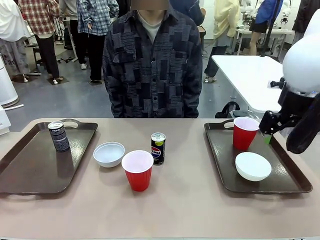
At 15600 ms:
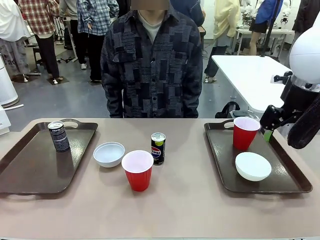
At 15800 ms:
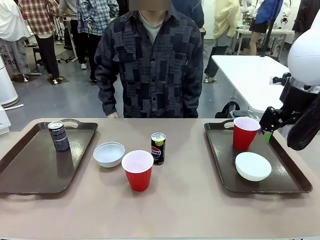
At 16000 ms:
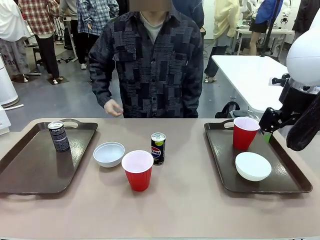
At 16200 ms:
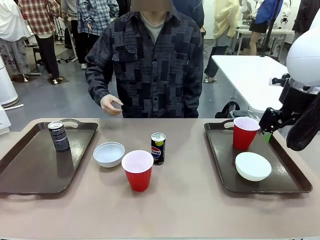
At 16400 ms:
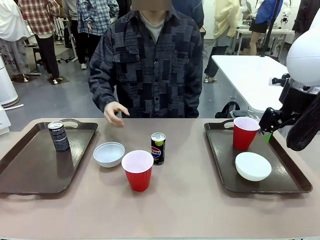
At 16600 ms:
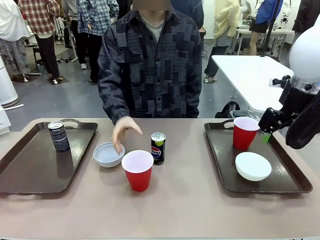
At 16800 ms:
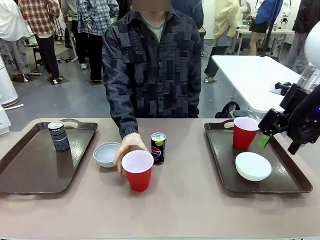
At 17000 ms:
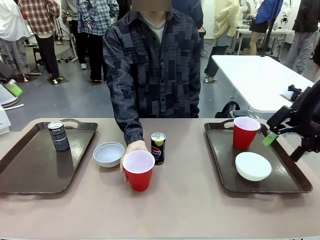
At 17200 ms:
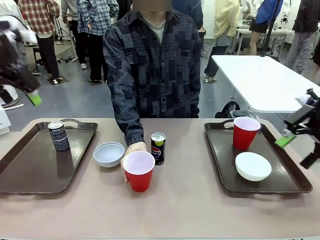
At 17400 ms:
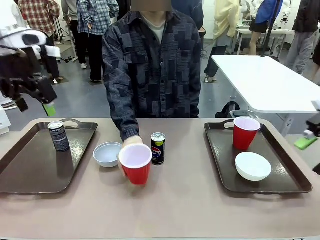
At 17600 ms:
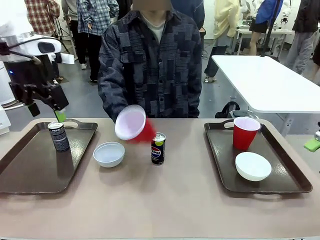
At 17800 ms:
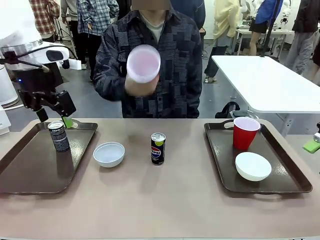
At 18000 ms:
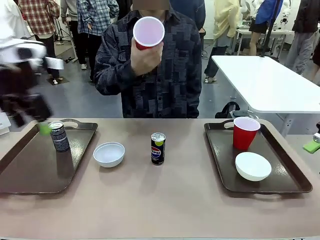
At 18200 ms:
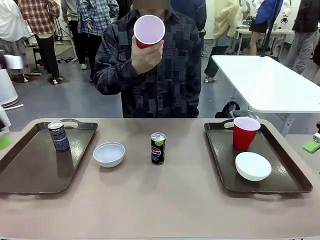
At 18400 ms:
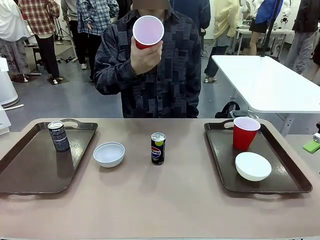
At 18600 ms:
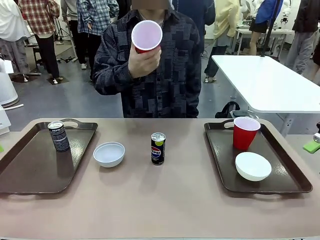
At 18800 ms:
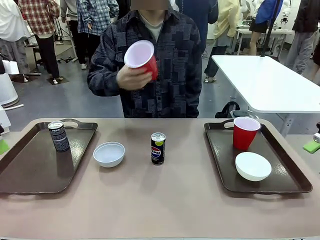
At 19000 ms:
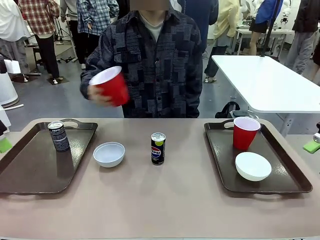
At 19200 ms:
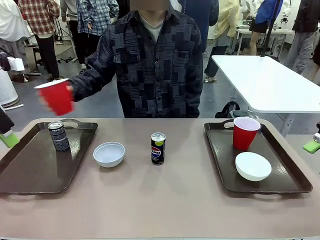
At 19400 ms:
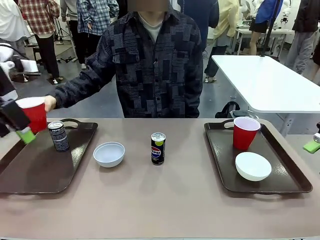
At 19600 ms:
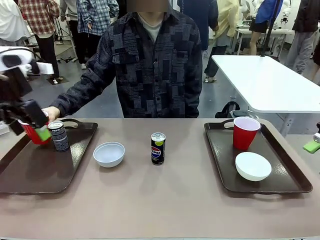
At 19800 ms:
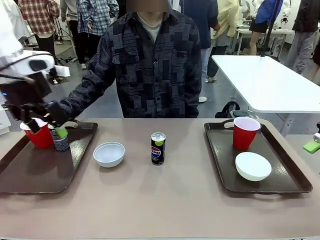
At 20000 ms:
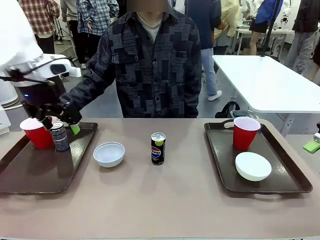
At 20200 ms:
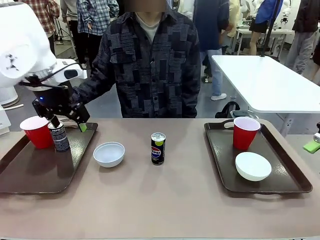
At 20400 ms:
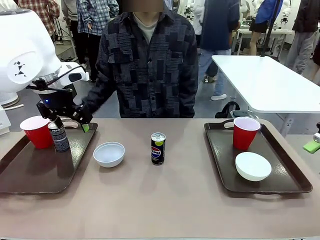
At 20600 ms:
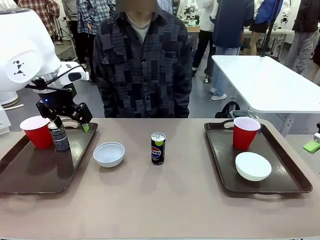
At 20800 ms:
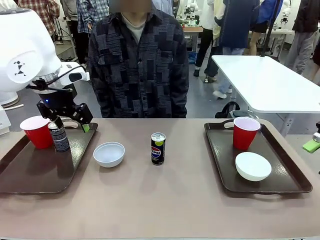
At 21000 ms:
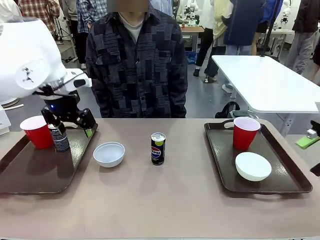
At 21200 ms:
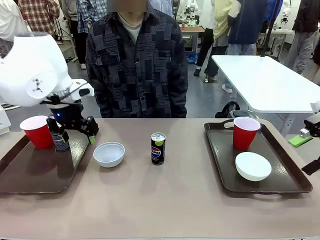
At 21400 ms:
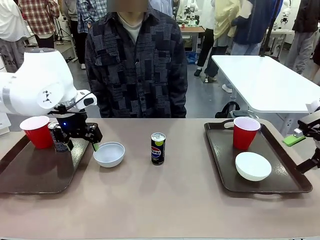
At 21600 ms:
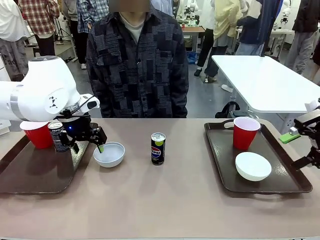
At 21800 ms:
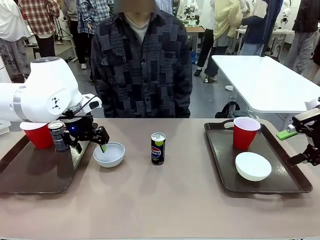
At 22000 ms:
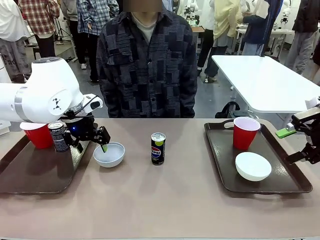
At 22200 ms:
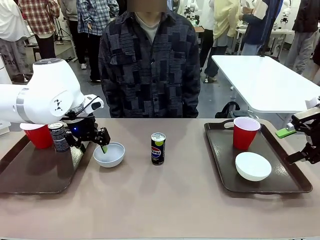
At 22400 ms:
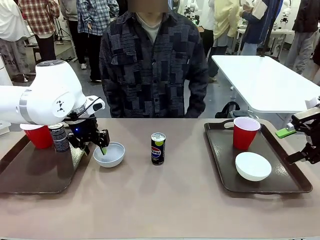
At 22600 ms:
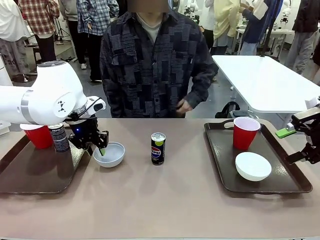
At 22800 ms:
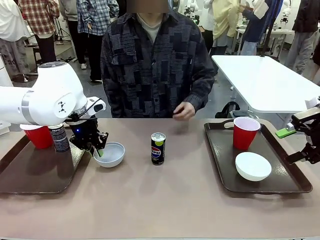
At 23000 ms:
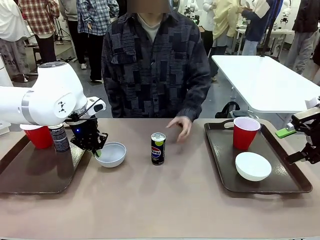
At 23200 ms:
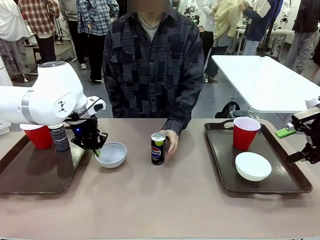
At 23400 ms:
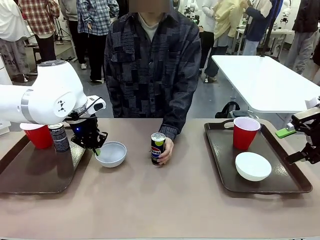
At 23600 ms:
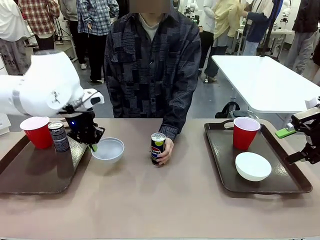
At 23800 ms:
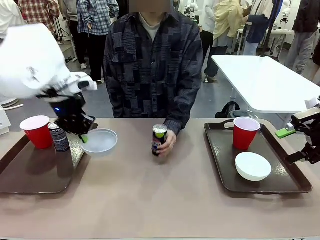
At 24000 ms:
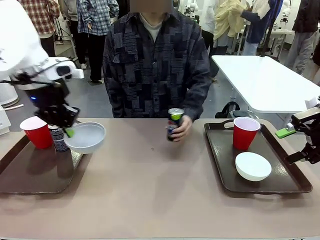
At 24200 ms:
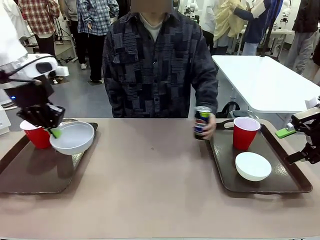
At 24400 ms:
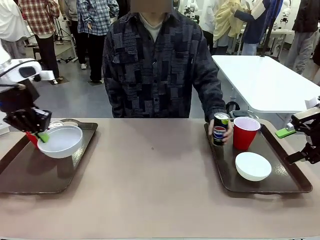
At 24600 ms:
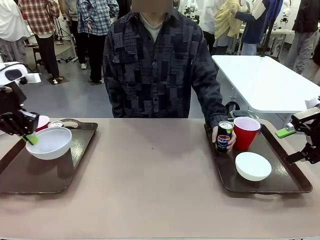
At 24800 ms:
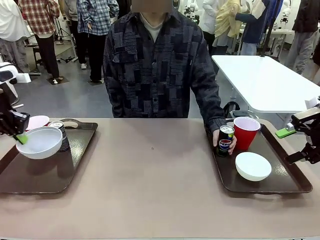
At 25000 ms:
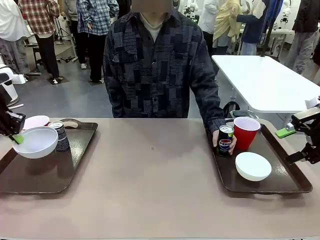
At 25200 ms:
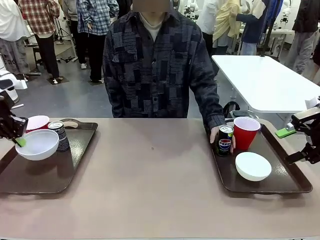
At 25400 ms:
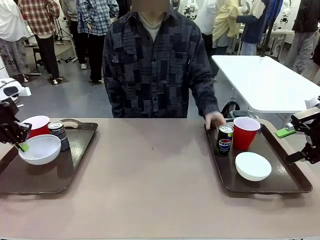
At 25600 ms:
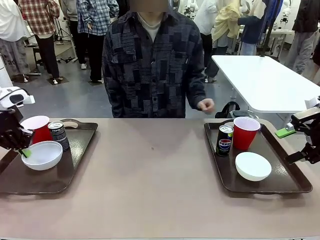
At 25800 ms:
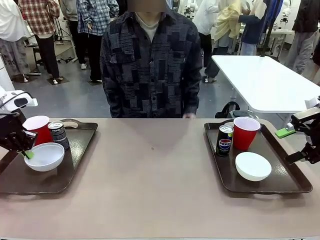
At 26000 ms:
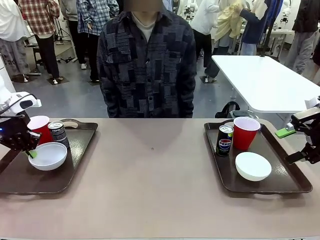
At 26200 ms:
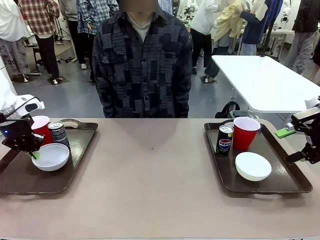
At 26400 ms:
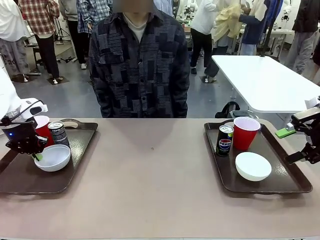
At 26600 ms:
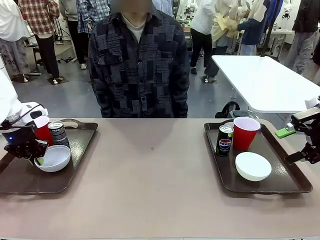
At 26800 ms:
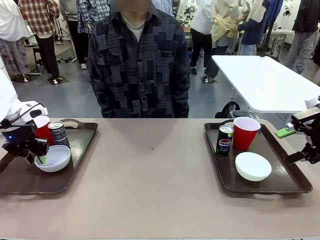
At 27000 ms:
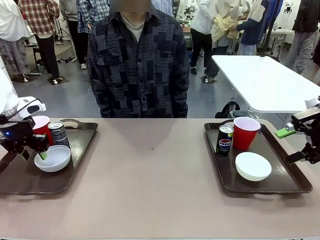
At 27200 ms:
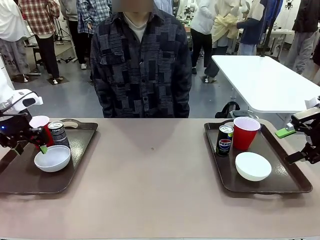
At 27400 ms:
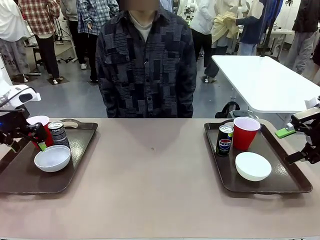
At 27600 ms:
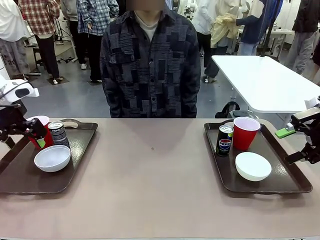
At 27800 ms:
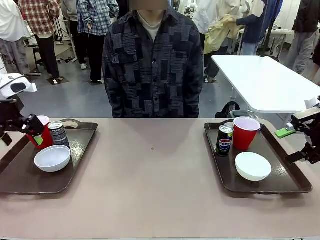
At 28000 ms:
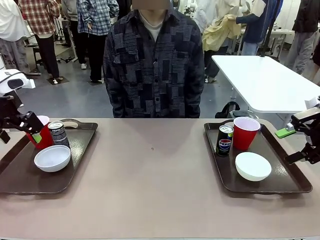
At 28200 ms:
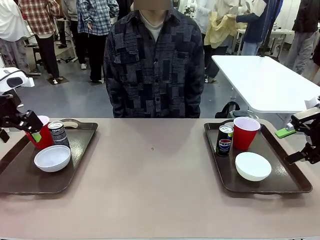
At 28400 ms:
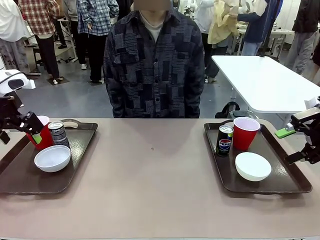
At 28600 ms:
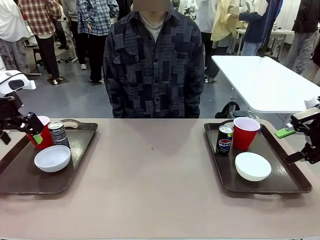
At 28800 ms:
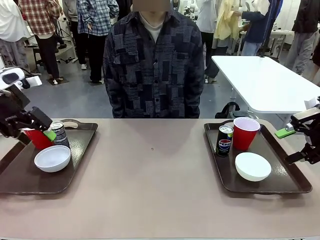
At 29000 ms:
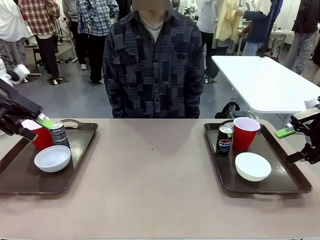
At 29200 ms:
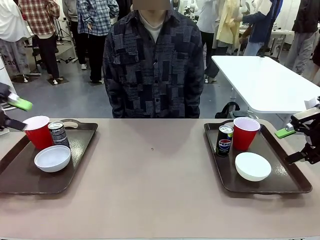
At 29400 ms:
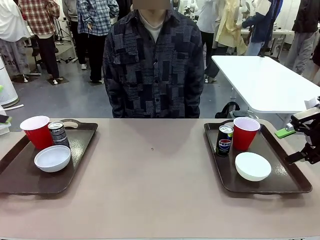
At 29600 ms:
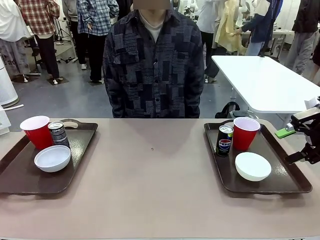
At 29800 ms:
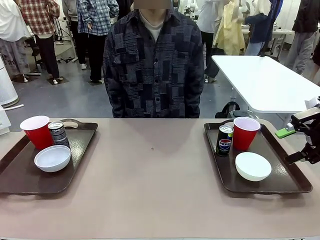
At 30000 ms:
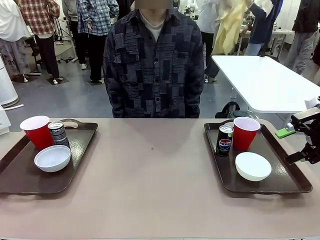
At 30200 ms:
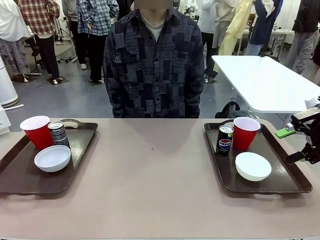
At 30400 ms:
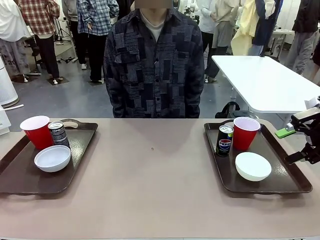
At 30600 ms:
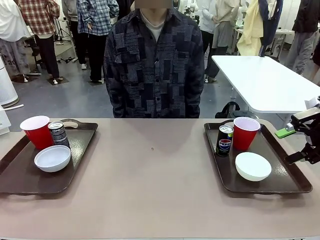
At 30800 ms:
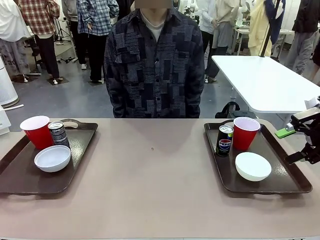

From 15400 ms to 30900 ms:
Task: Prepare tableware on both trays.
Robot: Pick up a Picnic Bowl from the table and place it on a Handle tray.
Person: Pick up a can or cup and place it on the tray without a can or cup.
